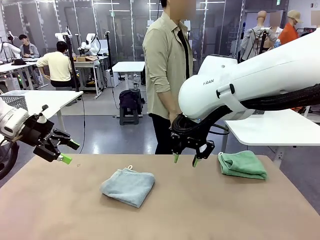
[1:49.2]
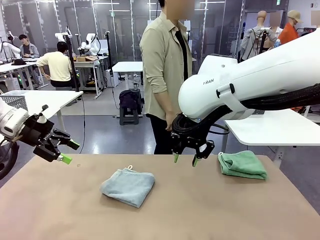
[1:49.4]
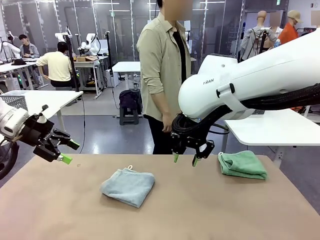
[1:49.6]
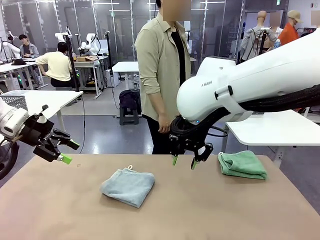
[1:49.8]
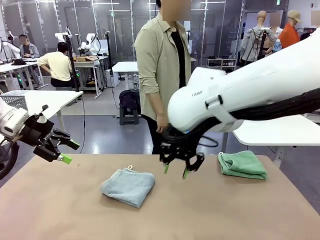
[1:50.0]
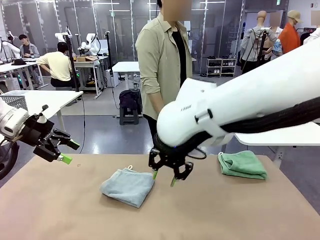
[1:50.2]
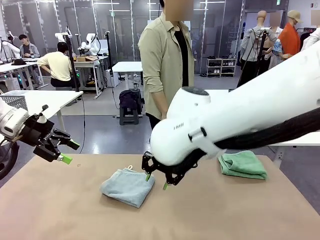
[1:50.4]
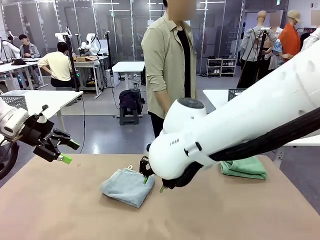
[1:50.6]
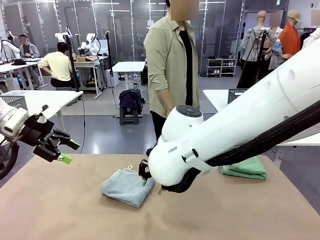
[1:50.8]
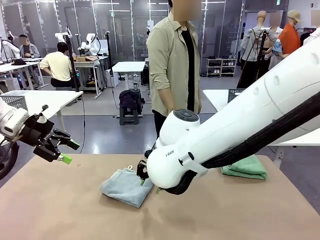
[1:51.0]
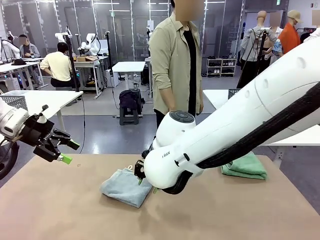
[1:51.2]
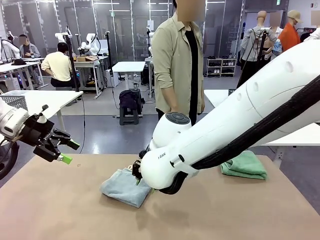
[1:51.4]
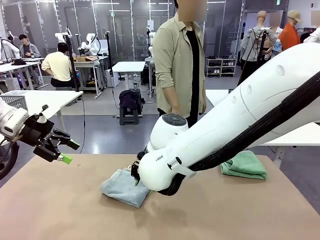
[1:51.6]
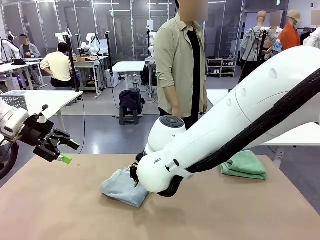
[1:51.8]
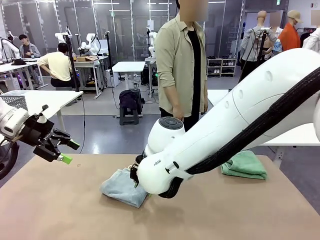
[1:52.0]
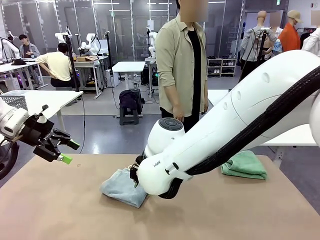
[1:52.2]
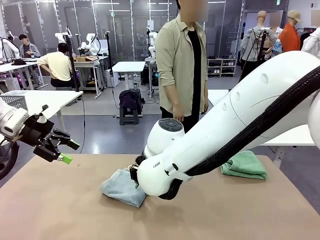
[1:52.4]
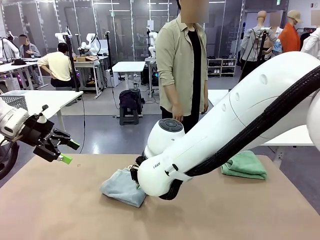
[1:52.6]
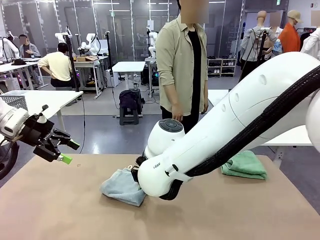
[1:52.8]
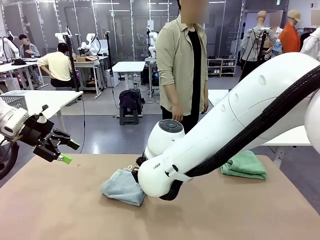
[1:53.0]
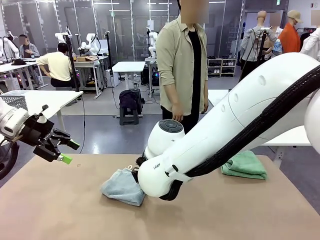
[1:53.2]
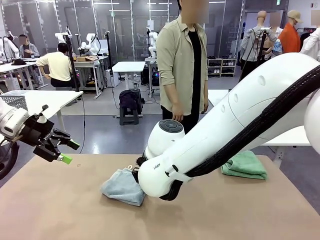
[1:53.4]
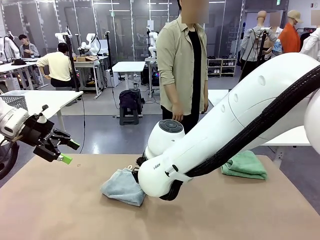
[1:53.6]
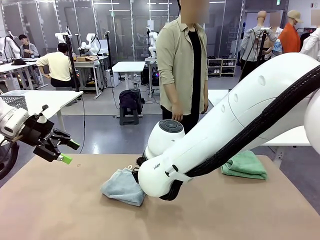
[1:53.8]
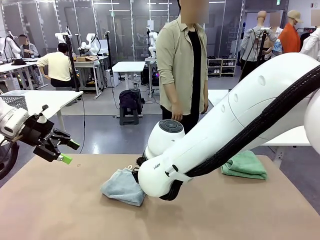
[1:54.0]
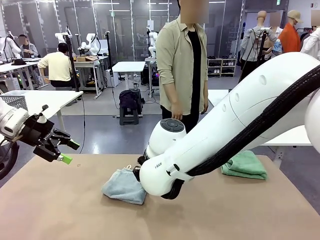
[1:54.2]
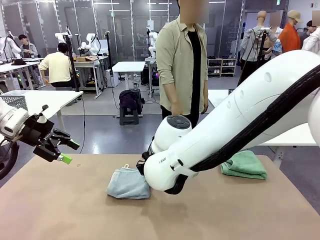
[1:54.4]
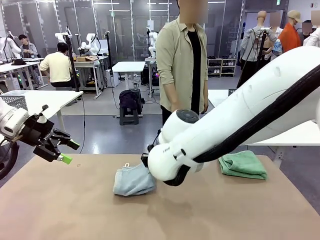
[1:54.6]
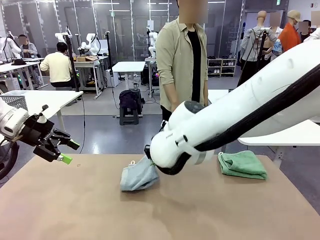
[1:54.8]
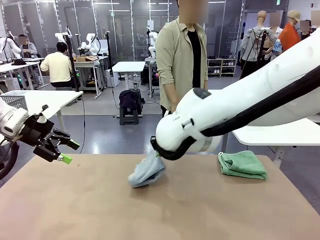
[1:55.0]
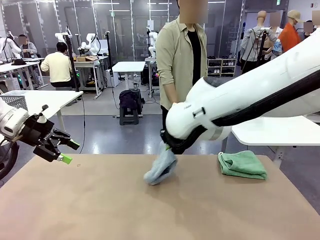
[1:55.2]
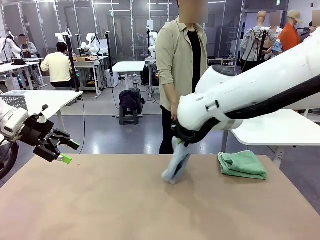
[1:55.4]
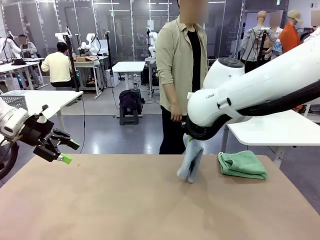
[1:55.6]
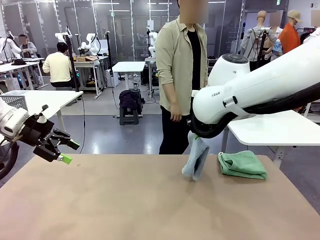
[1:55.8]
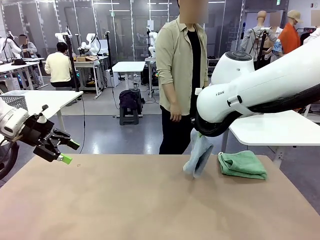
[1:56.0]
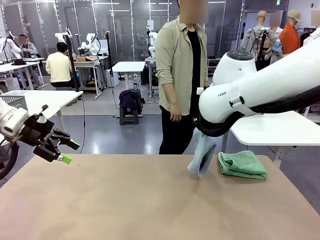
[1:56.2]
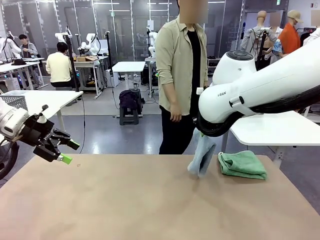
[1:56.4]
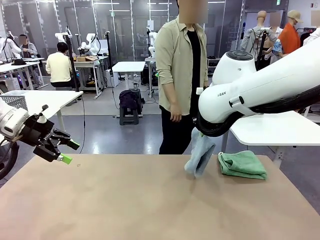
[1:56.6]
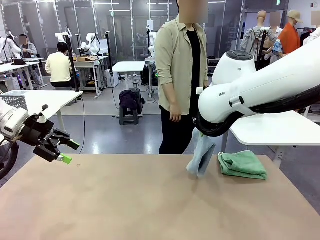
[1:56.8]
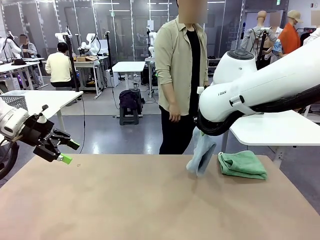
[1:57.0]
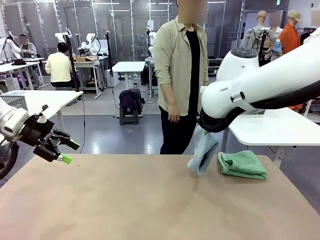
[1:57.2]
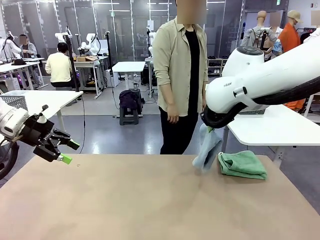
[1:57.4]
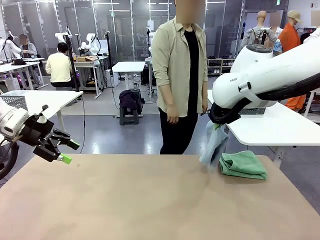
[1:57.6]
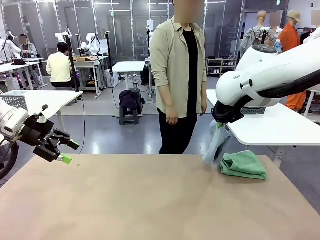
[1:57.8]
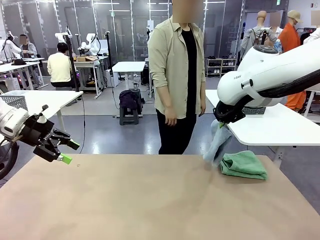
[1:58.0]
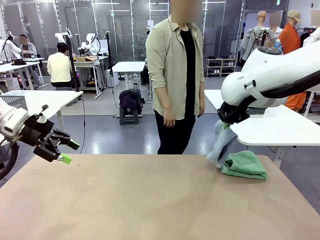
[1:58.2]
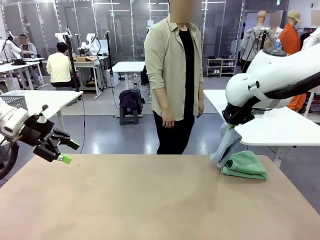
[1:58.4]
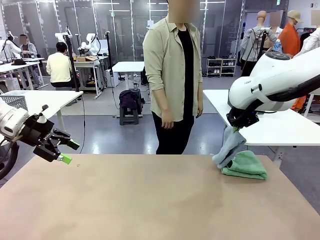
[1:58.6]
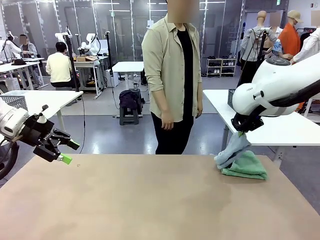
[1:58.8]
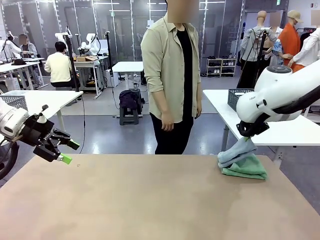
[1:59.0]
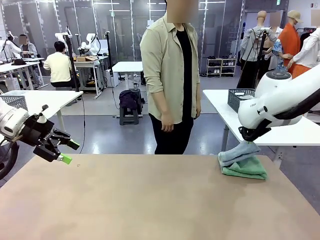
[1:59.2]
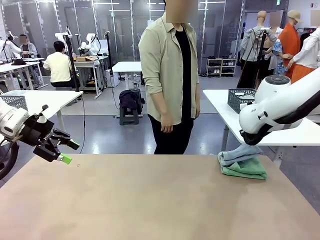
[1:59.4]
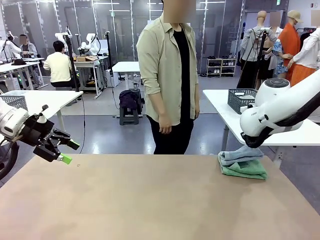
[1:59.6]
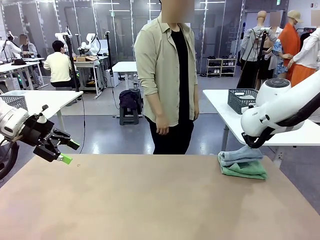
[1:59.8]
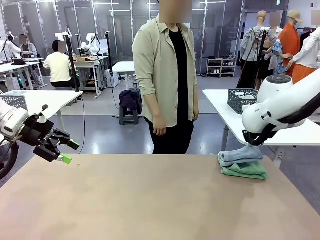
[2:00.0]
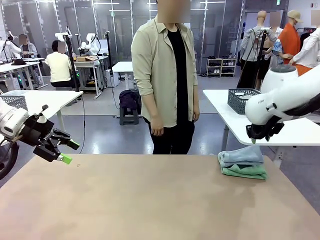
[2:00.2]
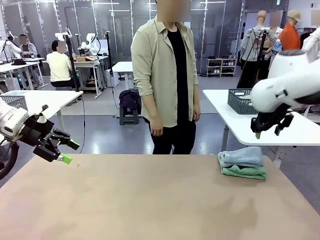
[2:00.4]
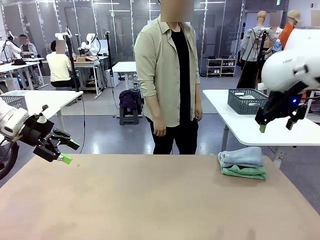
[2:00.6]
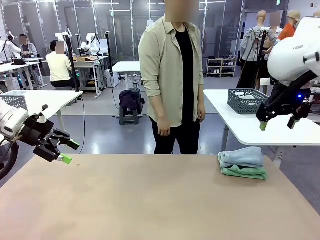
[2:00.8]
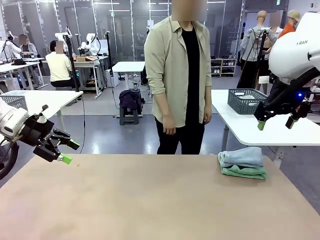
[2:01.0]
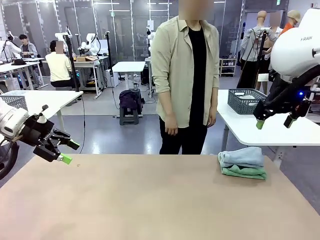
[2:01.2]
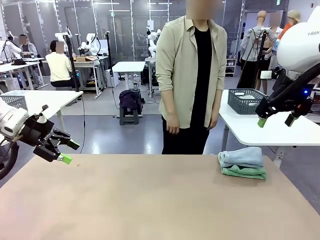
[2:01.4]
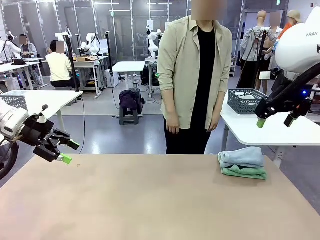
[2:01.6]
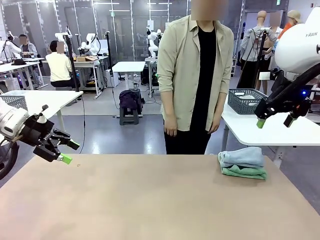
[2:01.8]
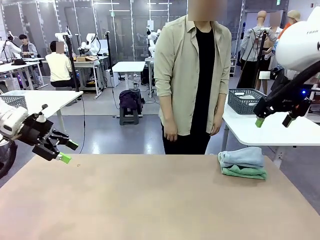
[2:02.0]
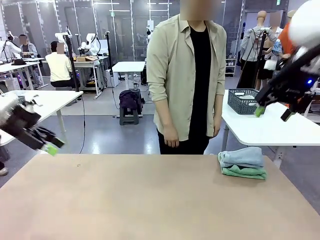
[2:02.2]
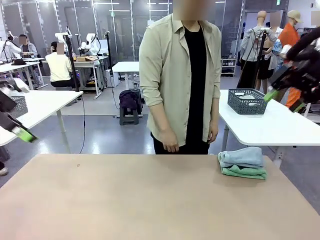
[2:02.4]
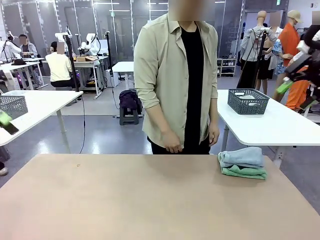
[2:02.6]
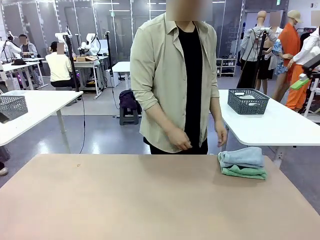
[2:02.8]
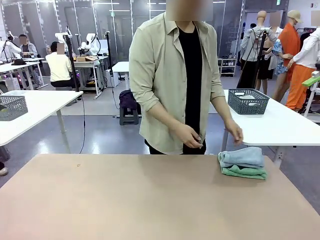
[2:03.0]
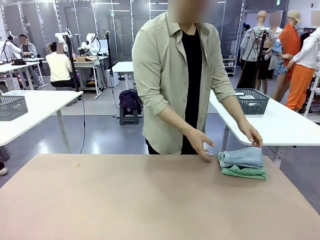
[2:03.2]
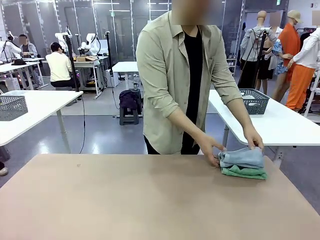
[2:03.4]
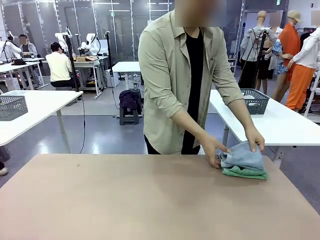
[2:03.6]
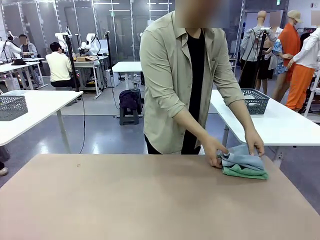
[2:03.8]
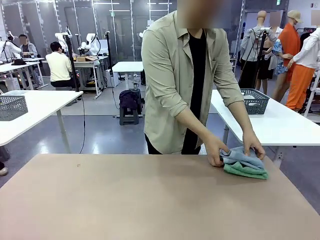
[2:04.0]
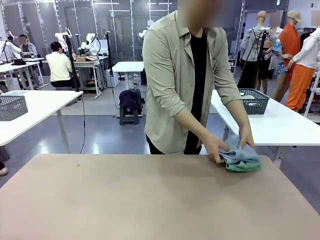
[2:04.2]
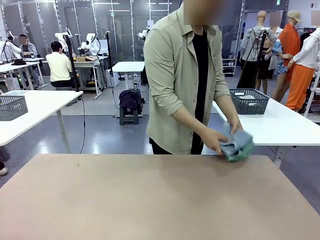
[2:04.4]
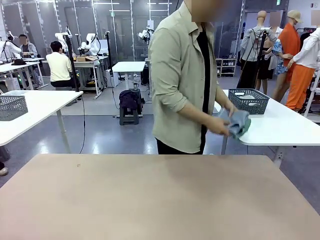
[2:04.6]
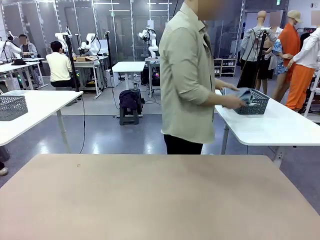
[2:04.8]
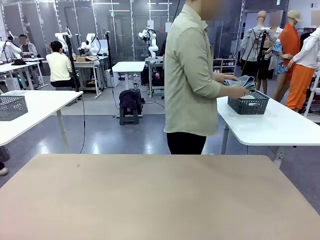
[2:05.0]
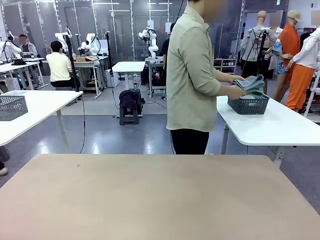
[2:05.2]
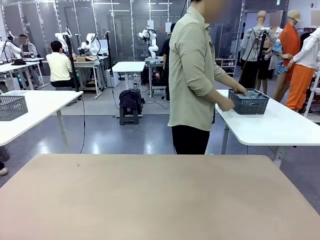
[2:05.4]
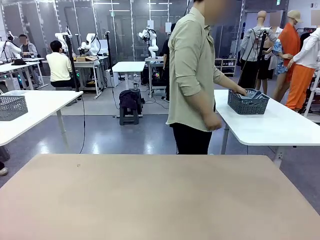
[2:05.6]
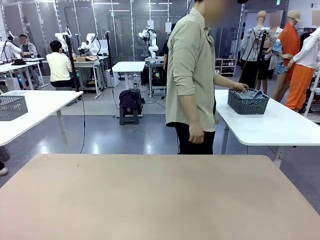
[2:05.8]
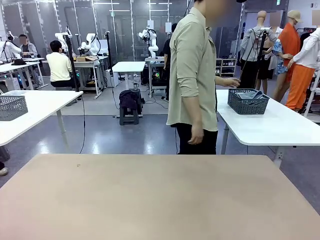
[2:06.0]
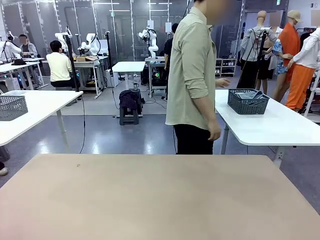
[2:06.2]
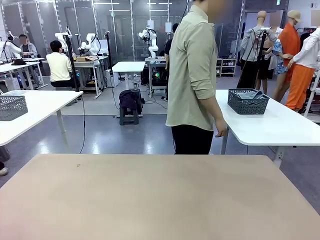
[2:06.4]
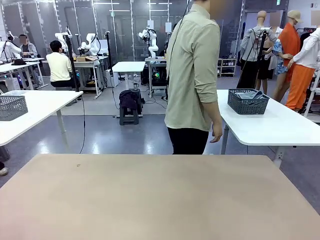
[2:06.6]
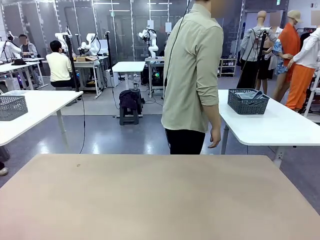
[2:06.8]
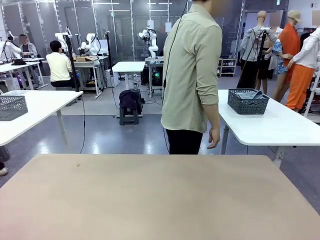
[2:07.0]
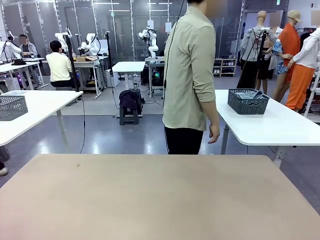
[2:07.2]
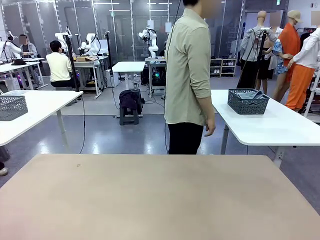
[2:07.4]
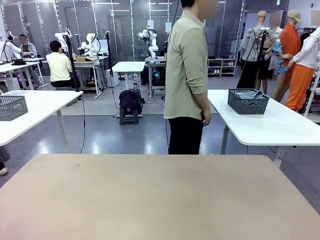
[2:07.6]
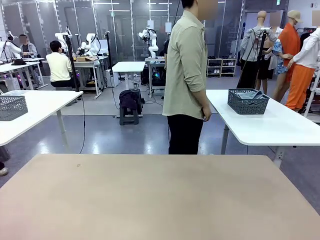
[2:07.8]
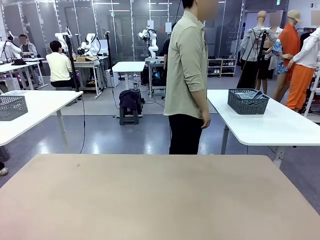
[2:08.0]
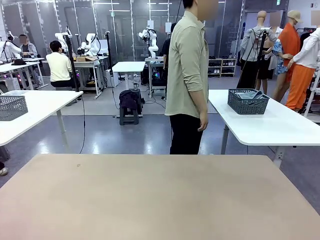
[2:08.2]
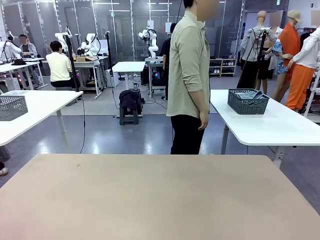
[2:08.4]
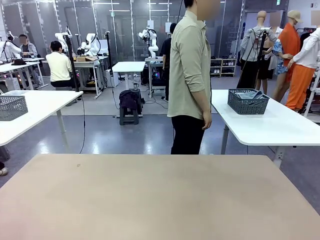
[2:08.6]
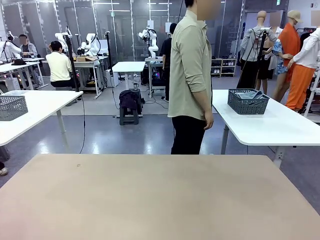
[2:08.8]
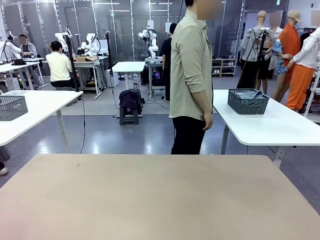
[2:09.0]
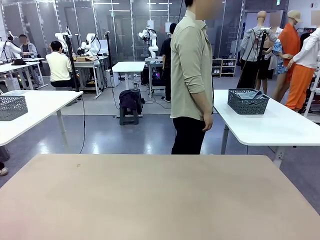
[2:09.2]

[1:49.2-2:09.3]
Task: Fold the towels and place them in the basket.
Robot: Stack the folded Towel with hook on the right side of the table.
Person: Pick up the stack of towels from the robot table and place it into the basket.
